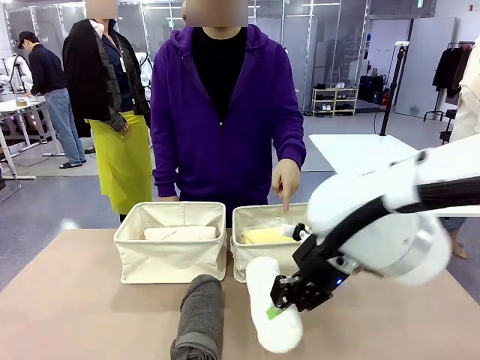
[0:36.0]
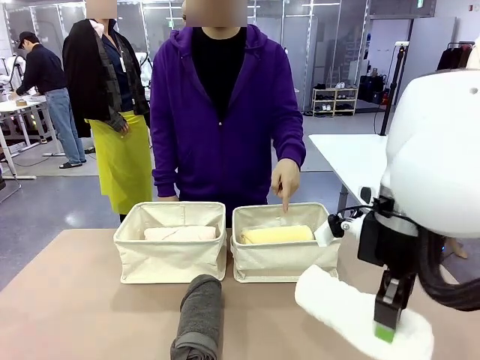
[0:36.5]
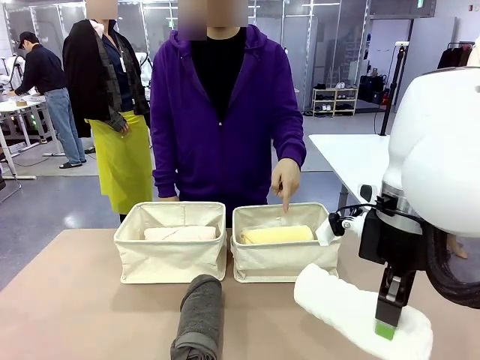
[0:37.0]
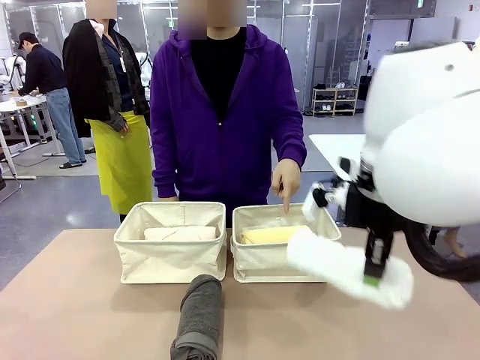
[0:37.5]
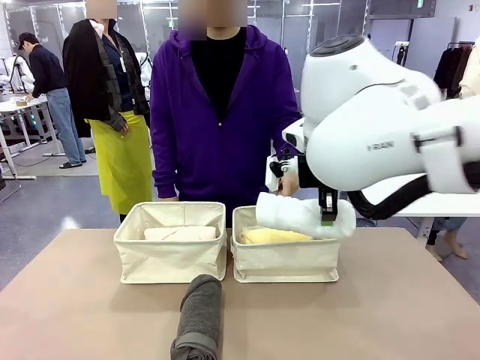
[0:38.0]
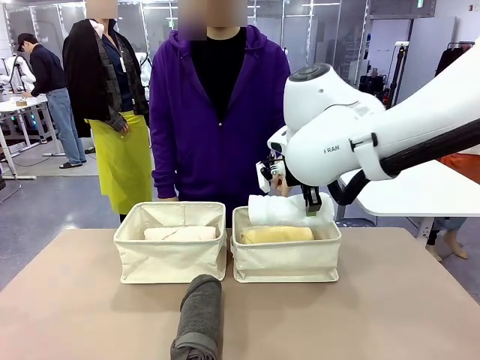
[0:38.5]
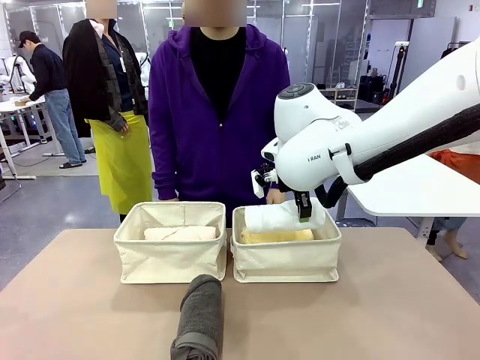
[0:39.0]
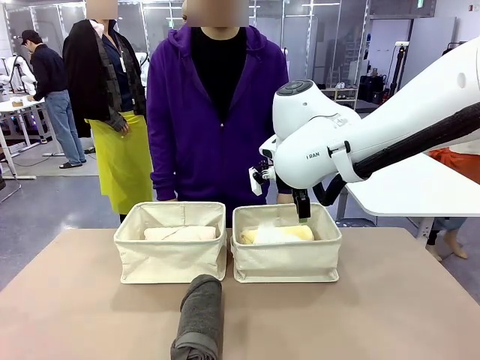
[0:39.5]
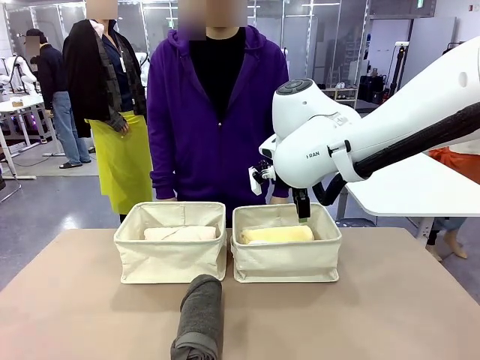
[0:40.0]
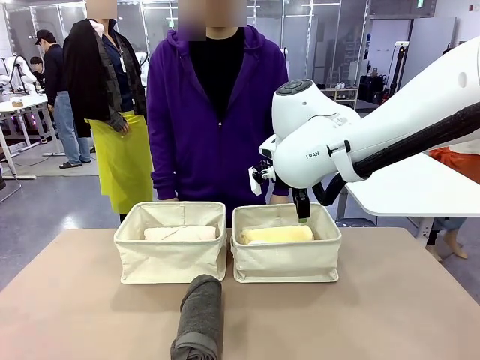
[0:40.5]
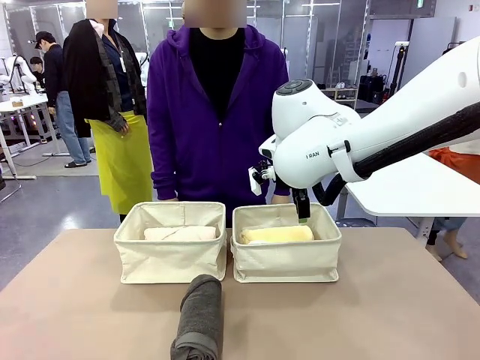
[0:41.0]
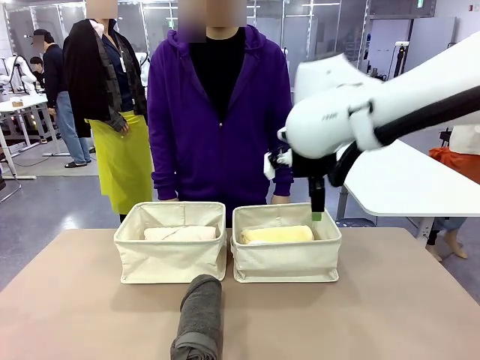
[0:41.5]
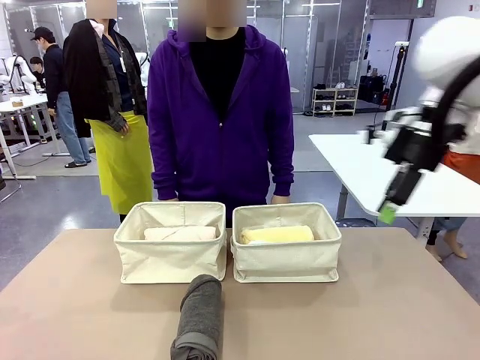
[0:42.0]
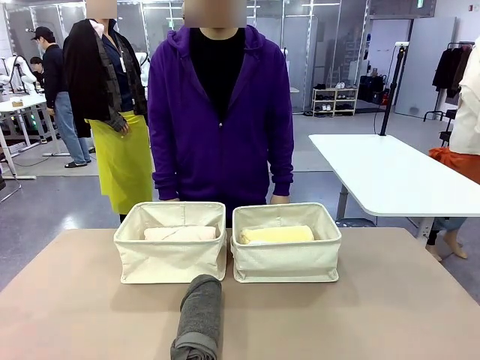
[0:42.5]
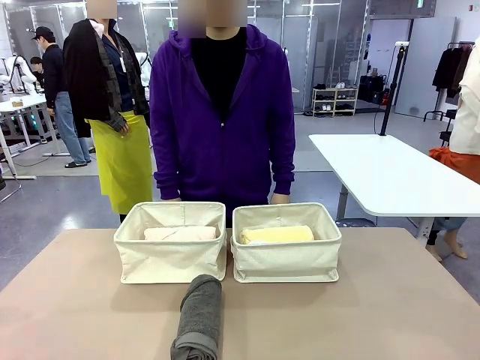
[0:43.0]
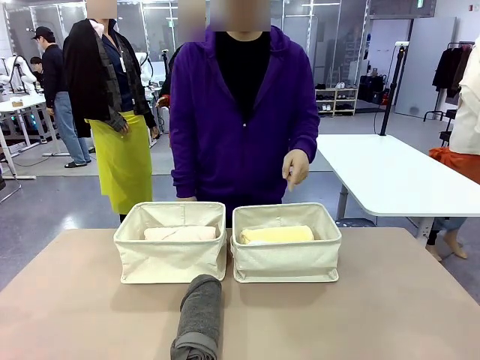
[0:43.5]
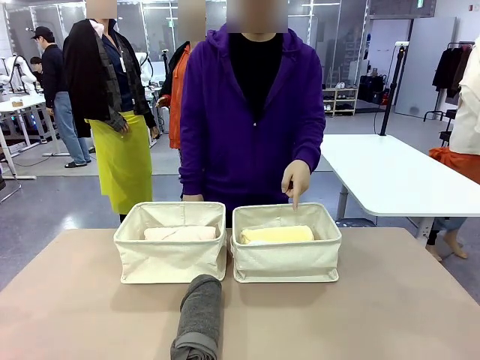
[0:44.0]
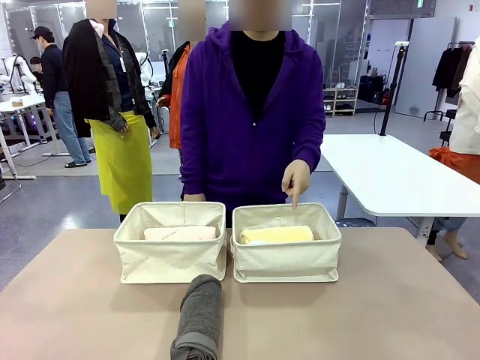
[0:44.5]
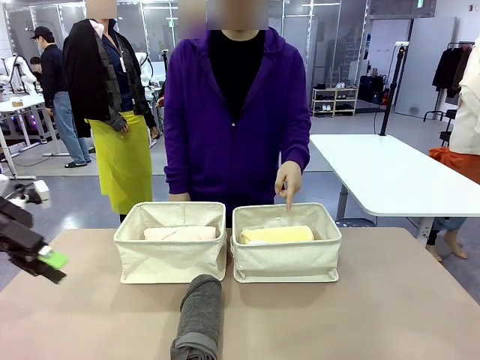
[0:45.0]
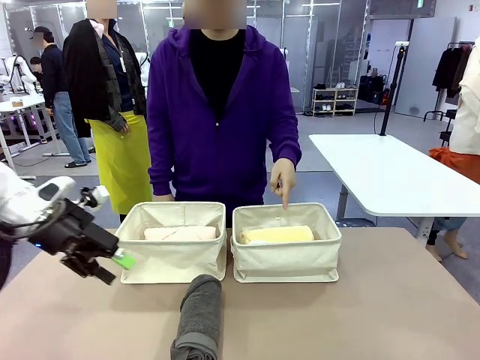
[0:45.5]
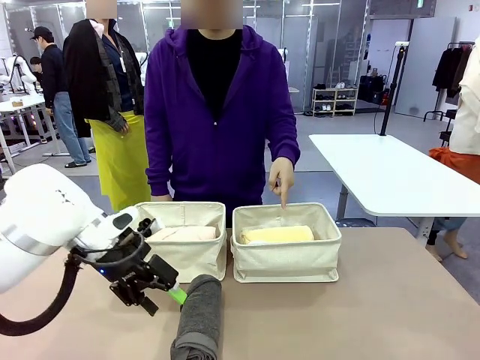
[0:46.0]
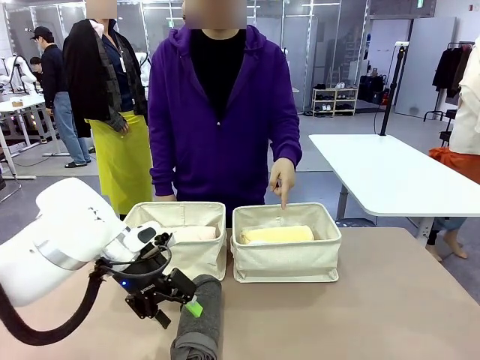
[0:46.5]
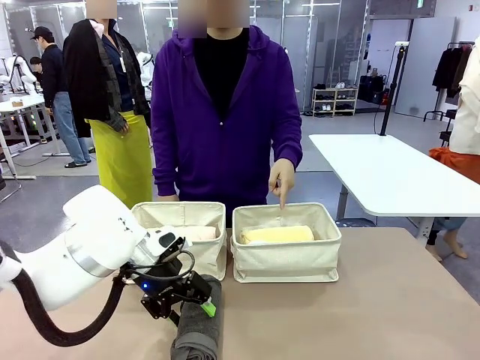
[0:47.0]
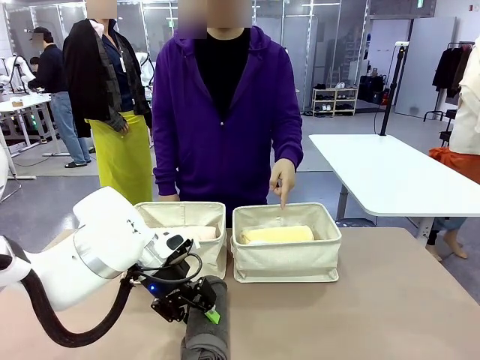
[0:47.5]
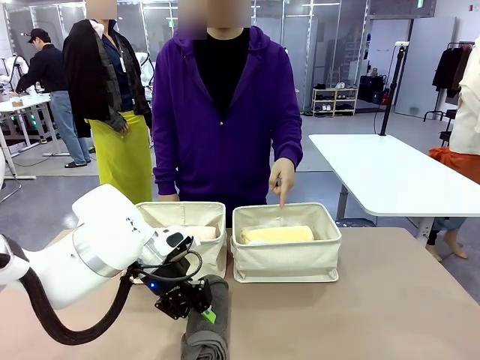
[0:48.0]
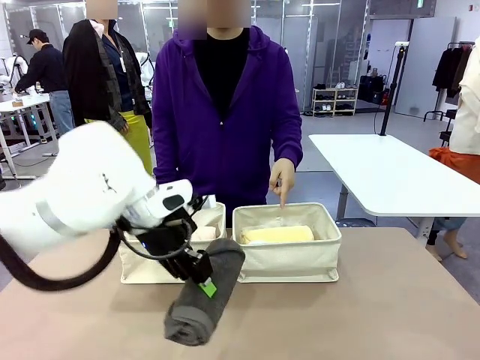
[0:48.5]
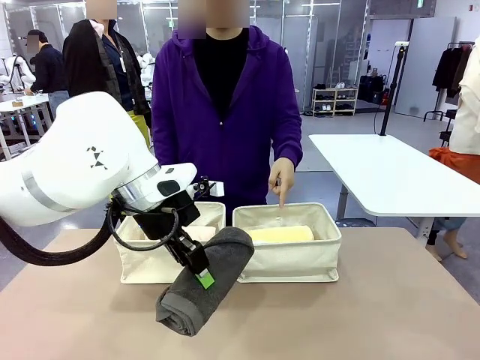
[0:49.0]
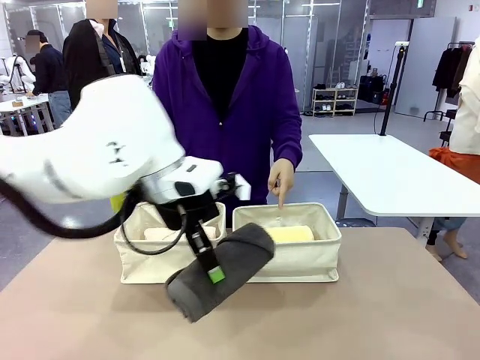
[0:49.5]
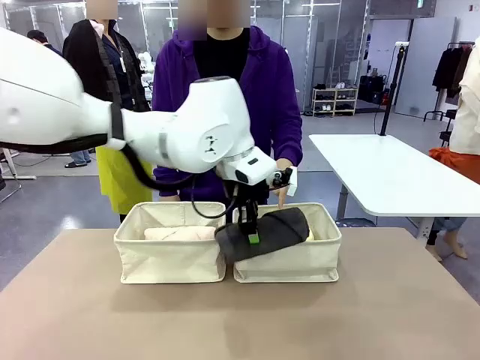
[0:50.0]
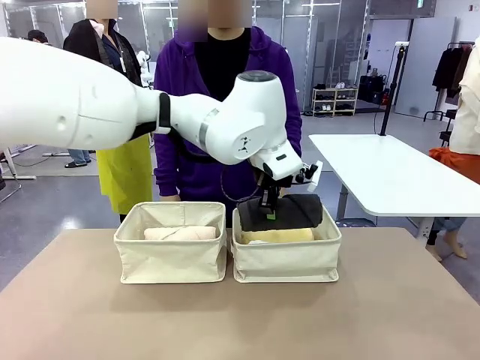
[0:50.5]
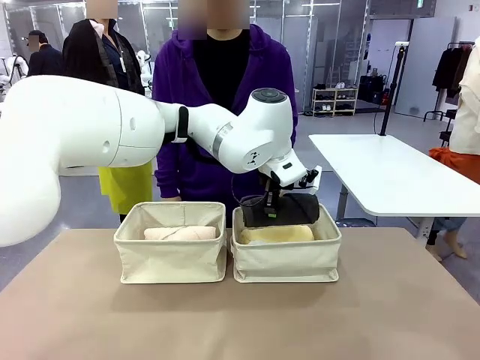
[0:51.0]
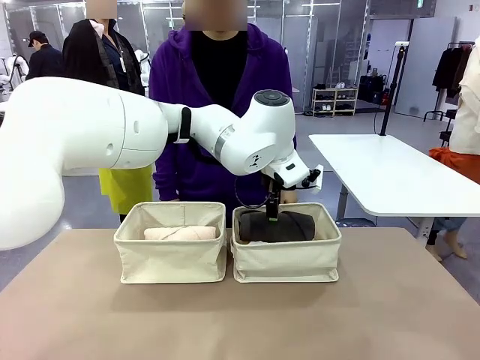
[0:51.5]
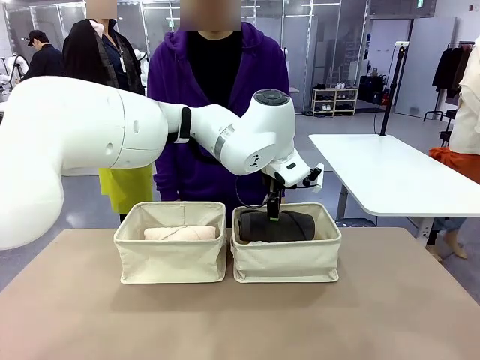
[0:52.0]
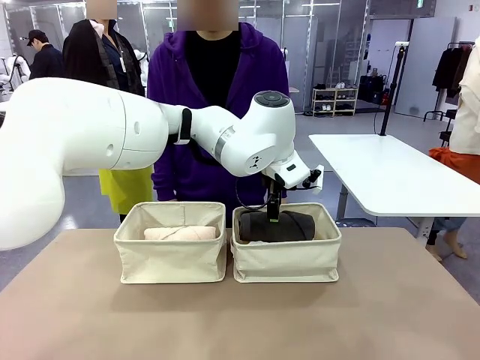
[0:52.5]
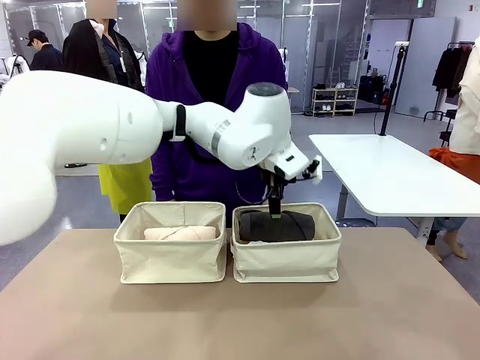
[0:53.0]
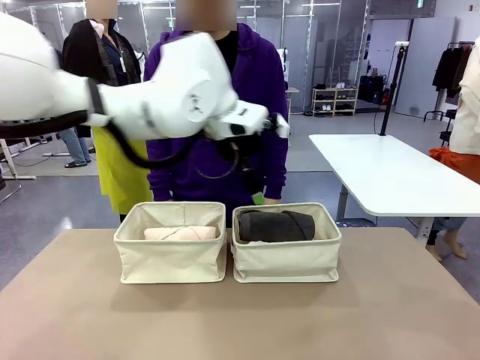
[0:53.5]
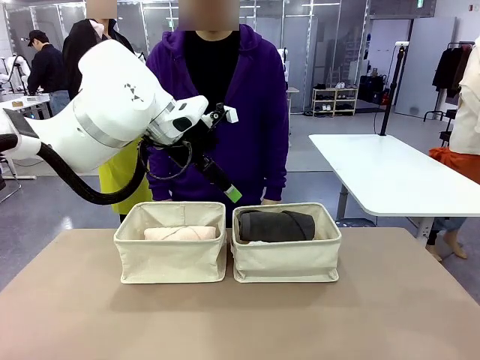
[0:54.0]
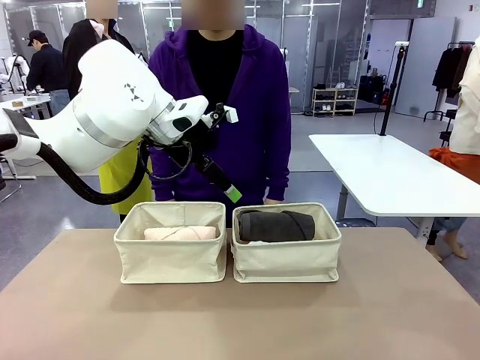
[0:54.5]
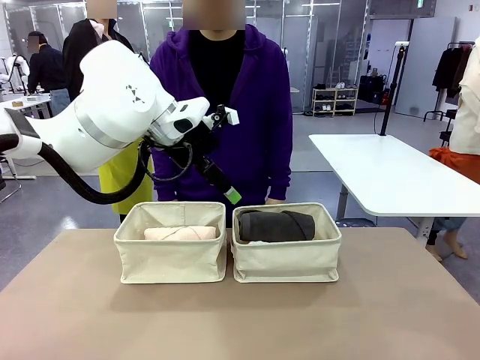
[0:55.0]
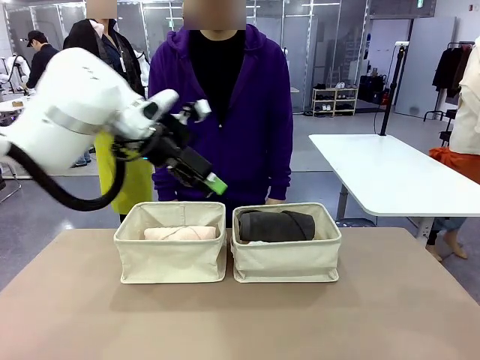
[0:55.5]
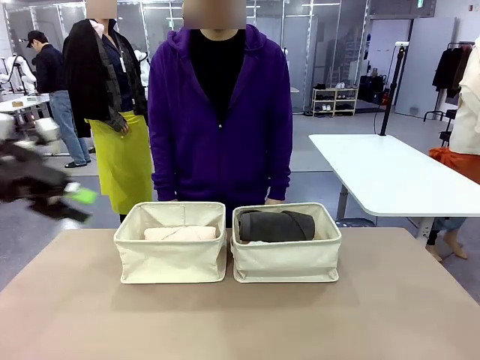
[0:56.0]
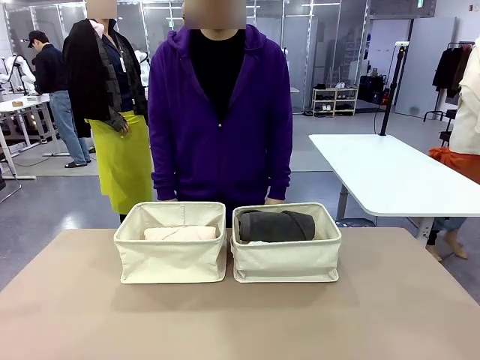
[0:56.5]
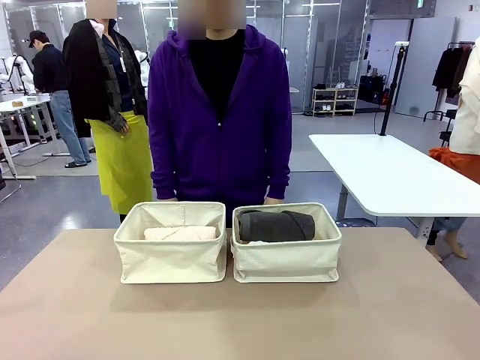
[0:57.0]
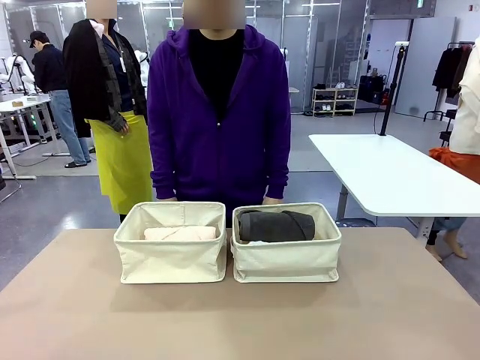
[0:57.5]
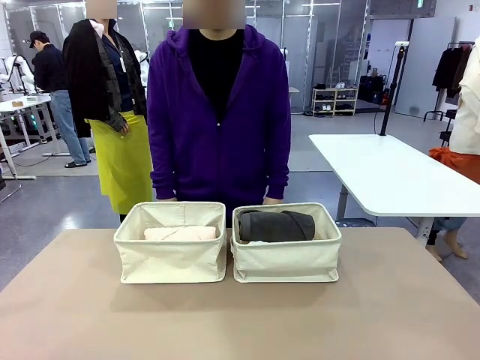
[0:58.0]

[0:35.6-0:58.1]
Task: Divide the towels into two baskets.
Robot: Pick up one hotel-folded towel from the bottom of the table and place it in the Fabric basket indicated by the person.
